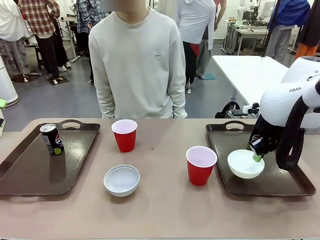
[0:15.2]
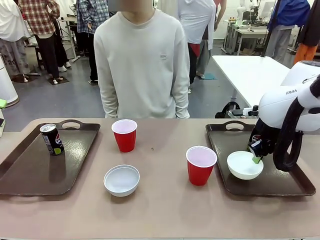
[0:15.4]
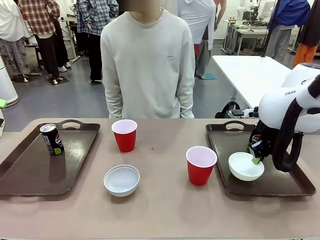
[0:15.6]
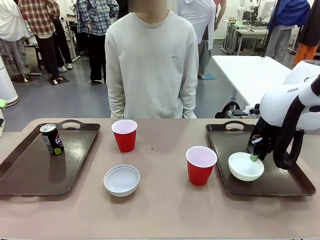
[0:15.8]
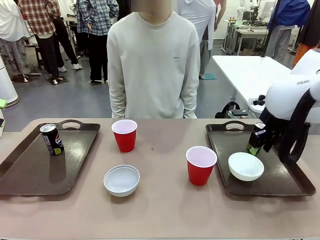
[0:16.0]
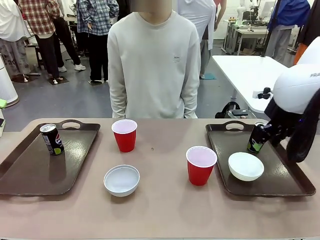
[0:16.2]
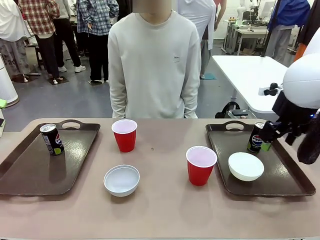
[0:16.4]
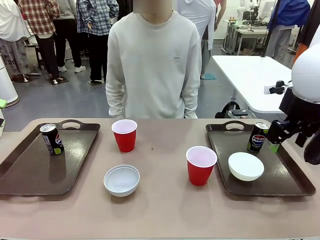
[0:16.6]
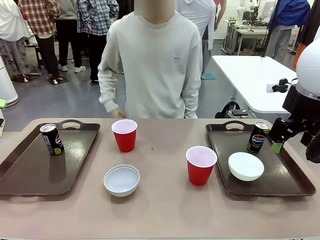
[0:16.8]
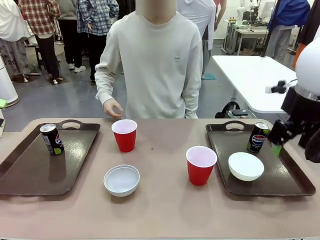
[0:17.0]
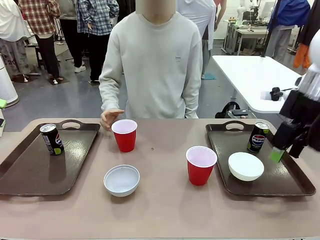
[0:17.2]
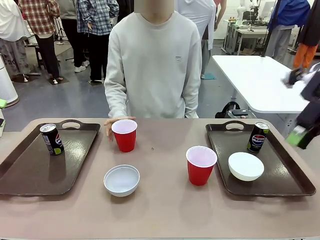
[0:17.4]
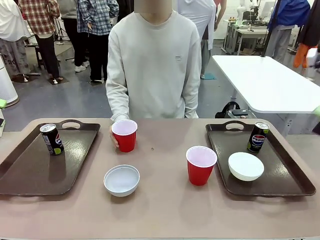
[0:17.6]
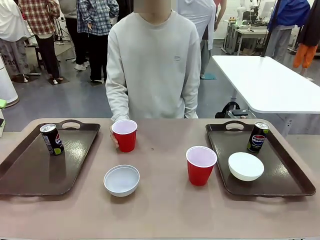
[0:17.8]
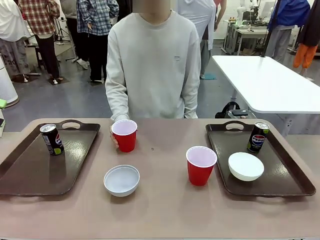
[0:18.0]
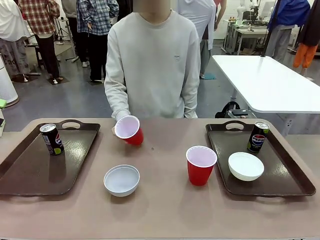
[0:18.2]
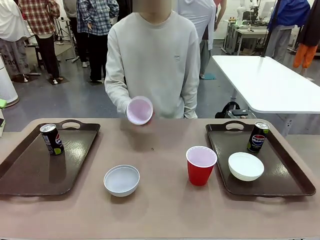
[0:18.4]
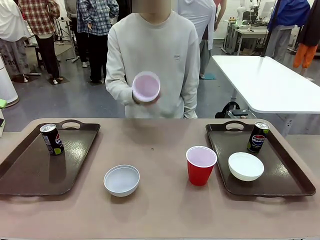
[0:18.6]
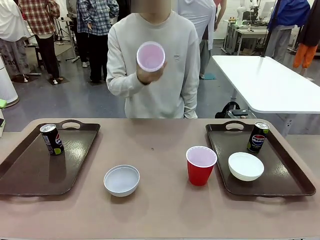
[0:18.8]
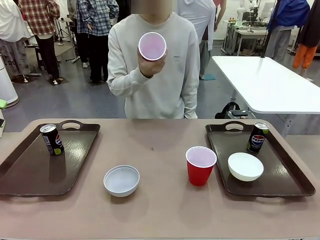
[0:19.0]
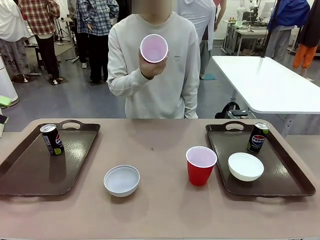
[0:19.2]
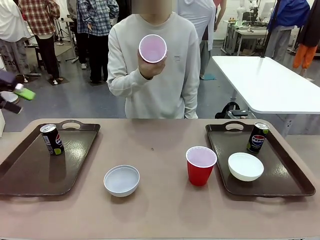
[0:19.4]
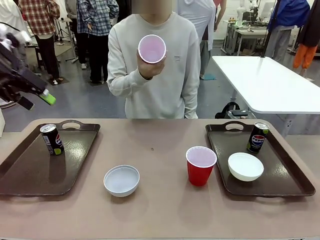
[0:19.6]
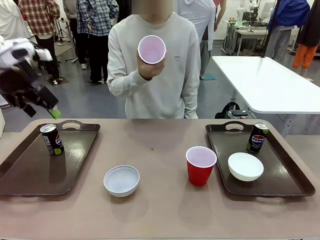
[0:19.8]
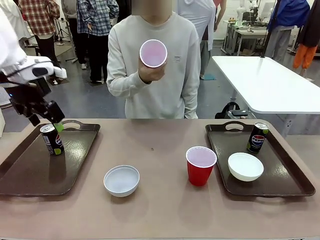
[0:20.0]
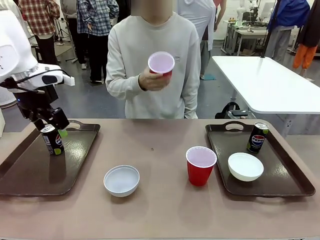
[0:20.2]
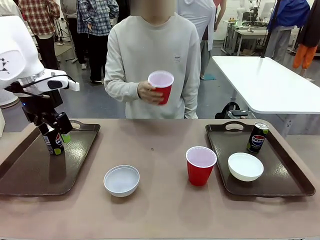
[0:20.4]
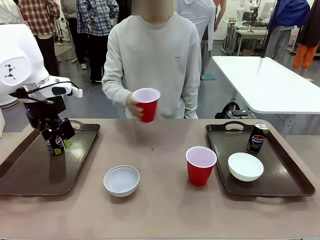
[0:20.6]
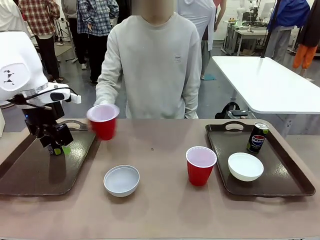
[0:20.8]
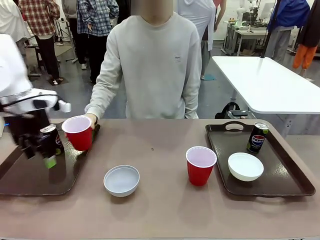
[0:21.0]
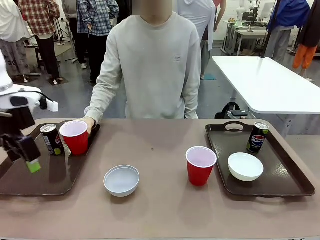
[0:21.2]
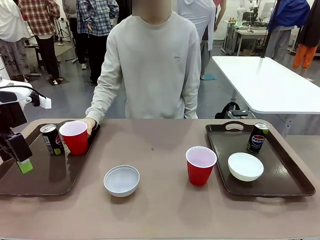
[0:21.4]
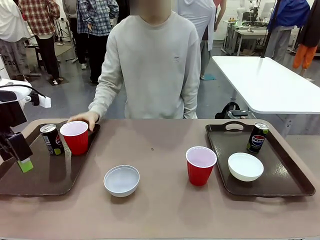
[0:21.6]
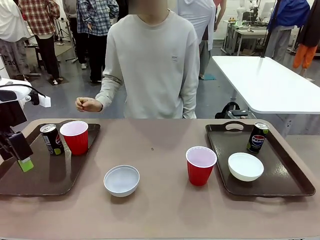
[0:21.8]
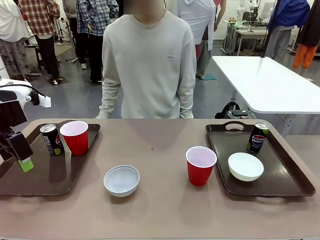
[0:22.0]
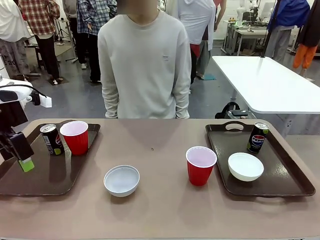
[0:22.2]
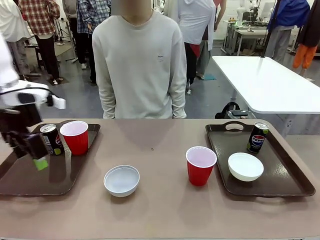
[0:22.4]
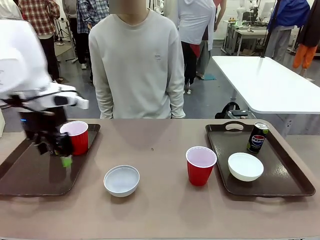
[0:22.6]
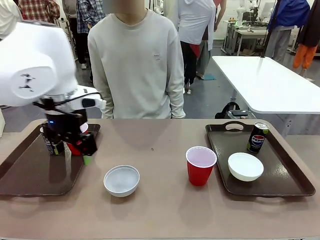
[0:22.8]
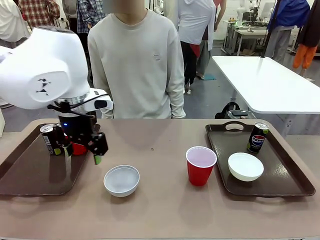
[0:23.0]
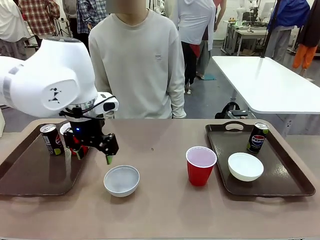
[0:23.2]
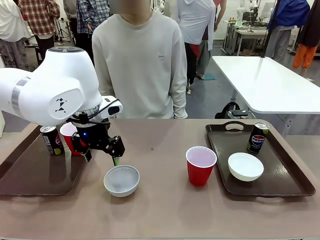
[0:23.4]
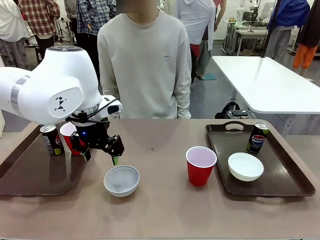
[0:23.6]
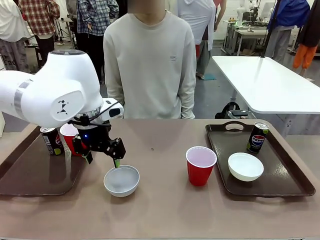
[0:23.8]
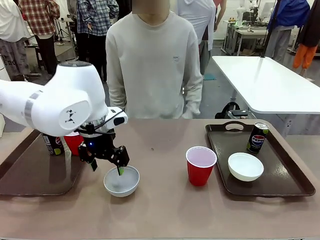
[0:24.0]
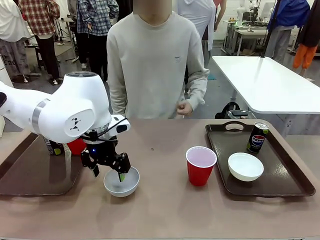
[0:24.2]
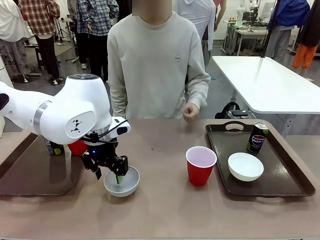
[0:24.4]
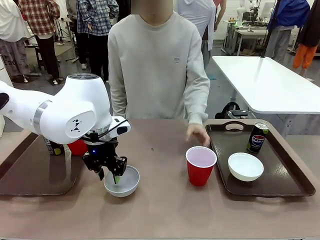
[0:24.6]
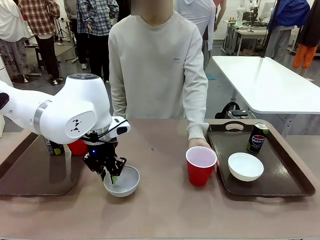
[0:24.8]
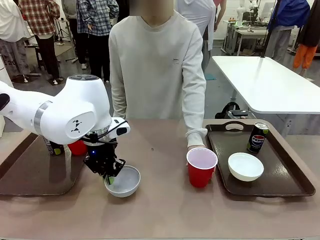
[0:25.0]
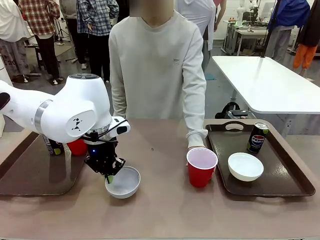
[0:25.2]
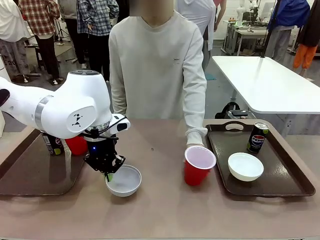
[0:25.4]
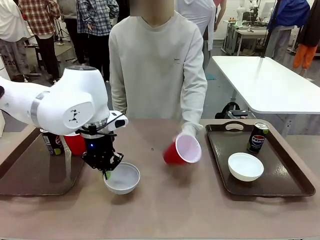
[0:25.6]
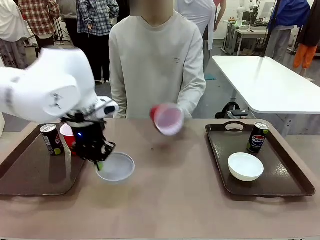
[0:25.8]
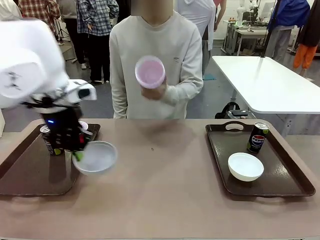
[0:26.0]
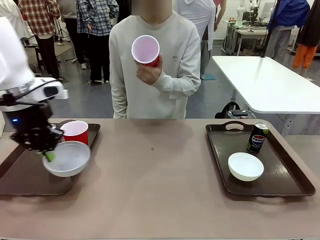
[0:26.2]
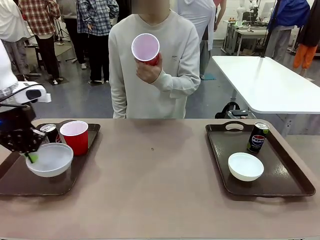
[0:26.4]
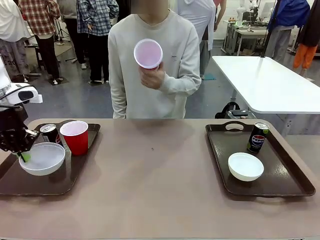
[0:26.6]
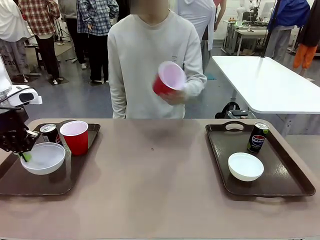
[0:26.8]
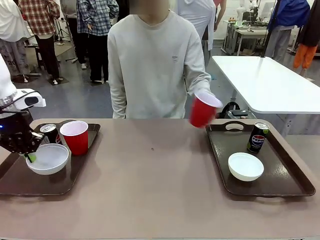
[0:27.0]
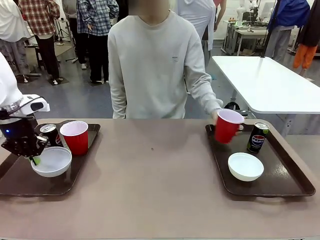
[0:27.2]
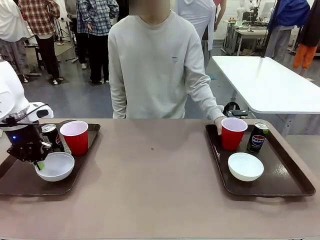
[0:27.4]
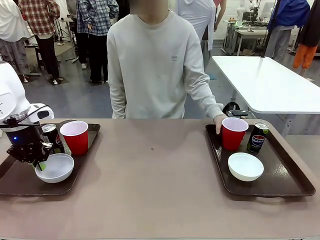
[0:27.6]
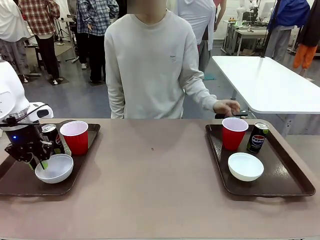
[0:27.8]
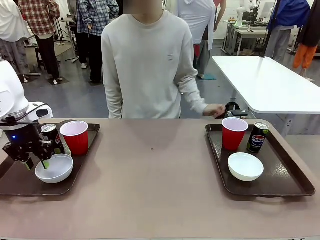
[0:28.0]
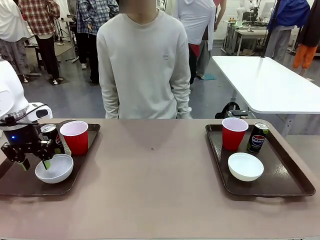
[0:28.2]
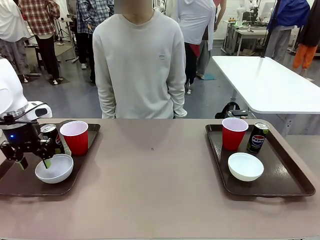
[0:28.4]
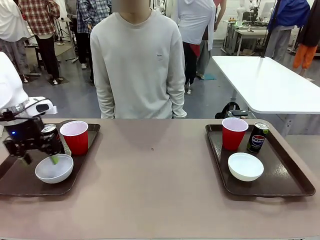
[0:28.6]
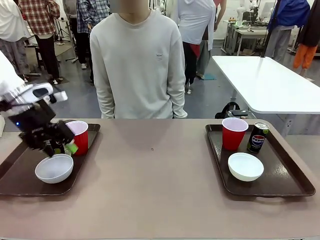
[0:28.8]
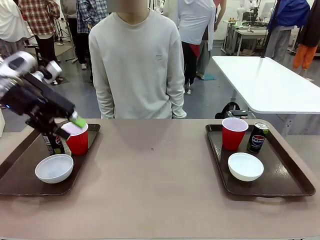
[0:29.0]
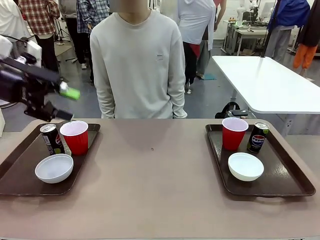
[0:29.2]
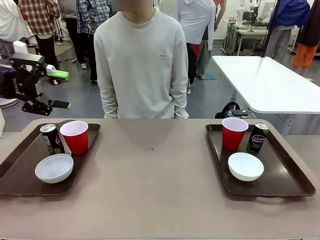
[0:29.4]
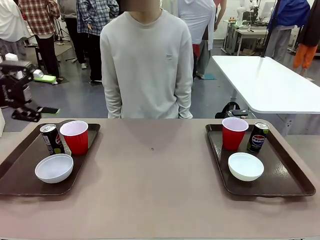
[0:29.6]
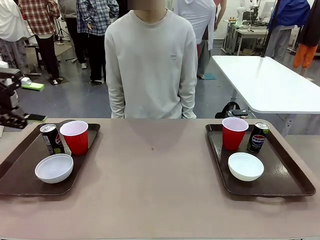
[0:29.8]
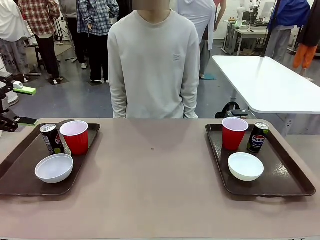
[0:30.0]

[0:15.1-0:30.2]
Task: Prepare tableware on both trays.
Robot: Pick up a Picnic Bowl from the table and place it on a Handle tray.
Person: Pick up a can or cup and place it on the tray without a can or cup.
